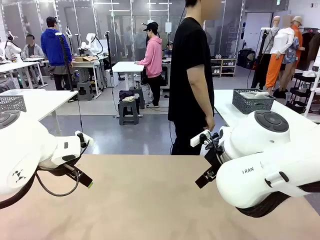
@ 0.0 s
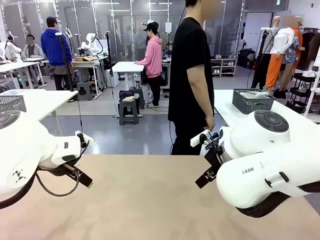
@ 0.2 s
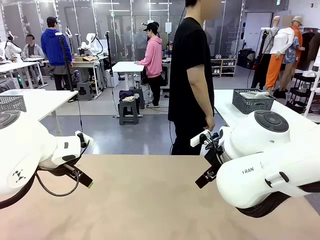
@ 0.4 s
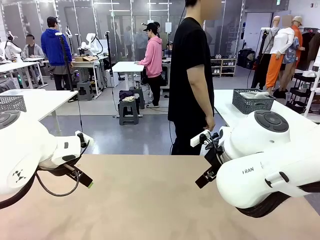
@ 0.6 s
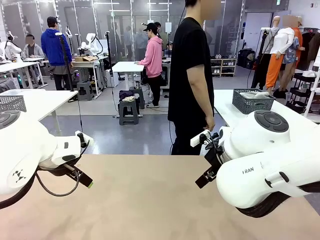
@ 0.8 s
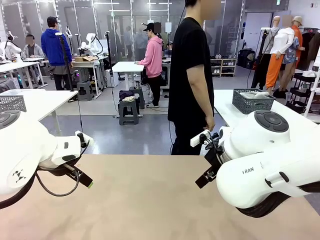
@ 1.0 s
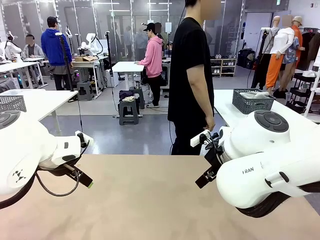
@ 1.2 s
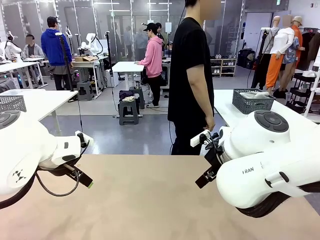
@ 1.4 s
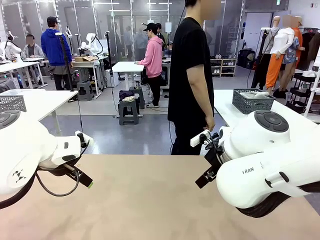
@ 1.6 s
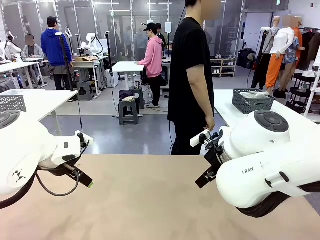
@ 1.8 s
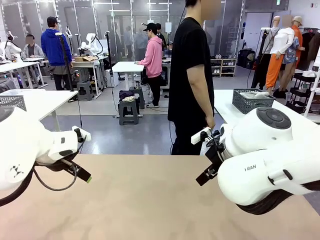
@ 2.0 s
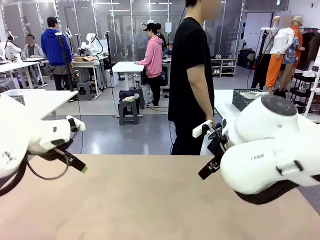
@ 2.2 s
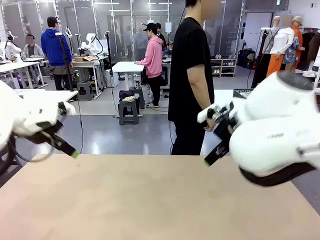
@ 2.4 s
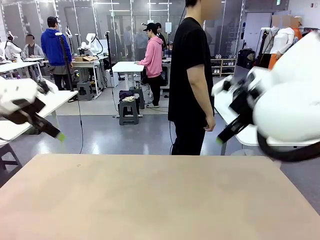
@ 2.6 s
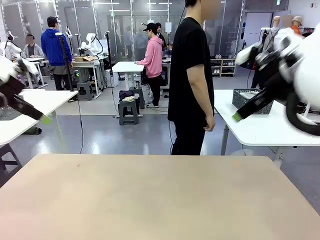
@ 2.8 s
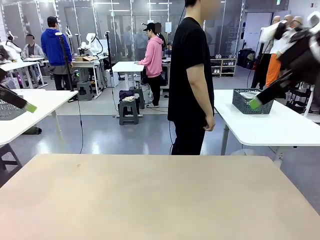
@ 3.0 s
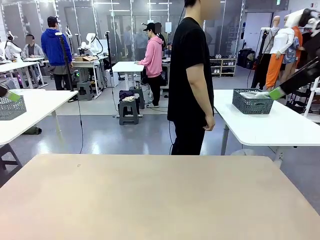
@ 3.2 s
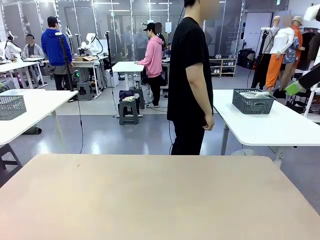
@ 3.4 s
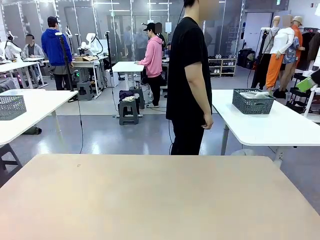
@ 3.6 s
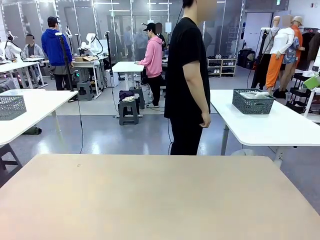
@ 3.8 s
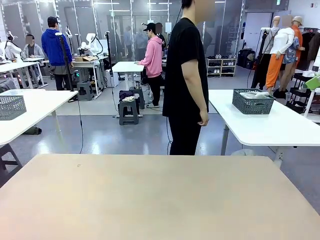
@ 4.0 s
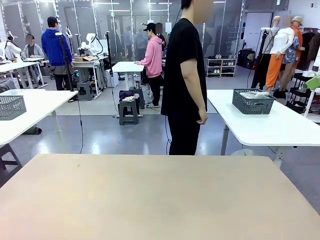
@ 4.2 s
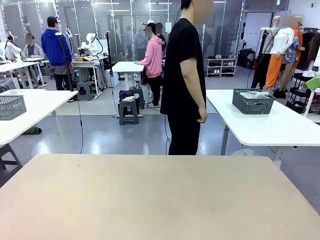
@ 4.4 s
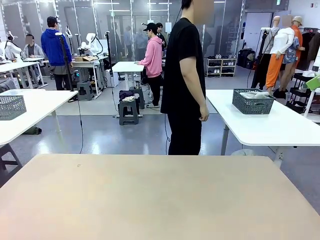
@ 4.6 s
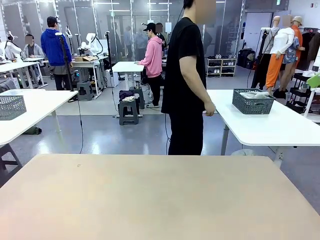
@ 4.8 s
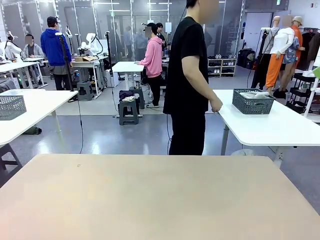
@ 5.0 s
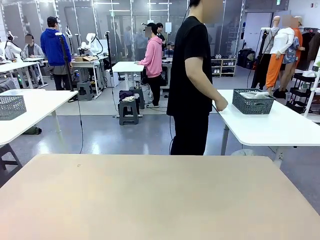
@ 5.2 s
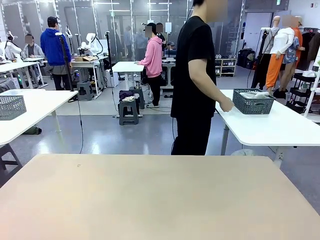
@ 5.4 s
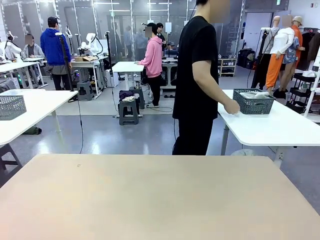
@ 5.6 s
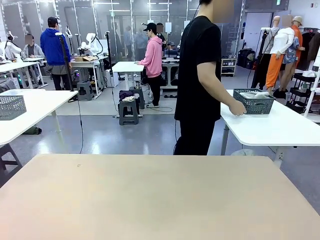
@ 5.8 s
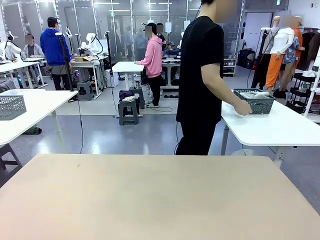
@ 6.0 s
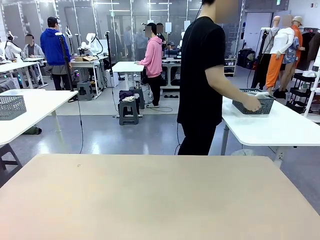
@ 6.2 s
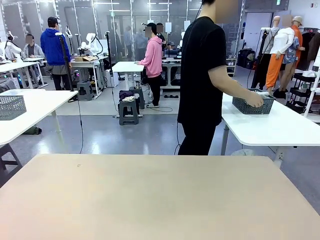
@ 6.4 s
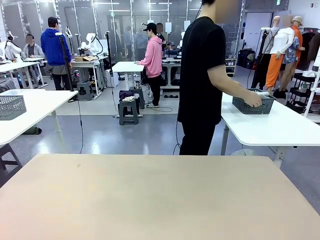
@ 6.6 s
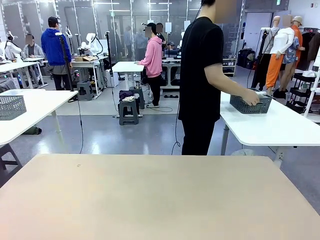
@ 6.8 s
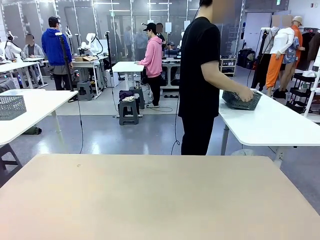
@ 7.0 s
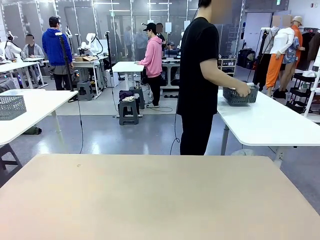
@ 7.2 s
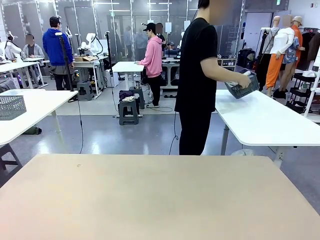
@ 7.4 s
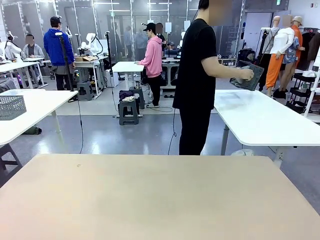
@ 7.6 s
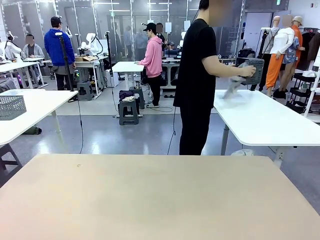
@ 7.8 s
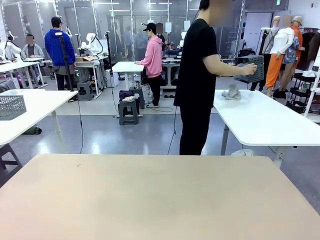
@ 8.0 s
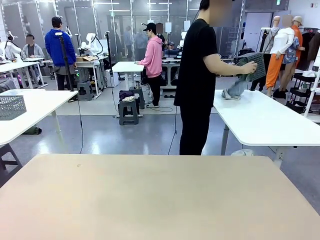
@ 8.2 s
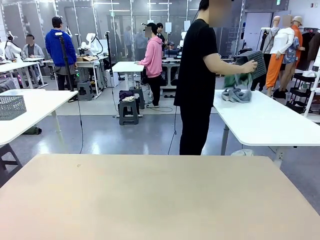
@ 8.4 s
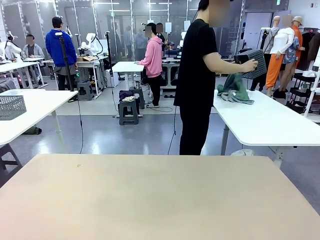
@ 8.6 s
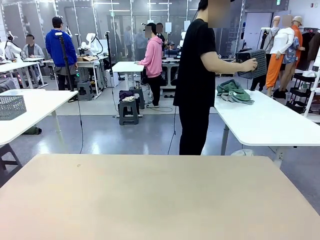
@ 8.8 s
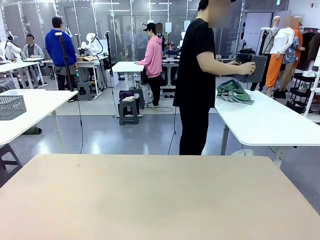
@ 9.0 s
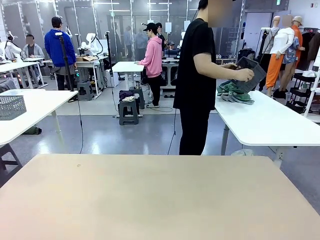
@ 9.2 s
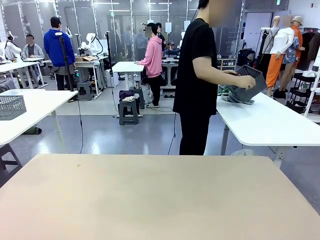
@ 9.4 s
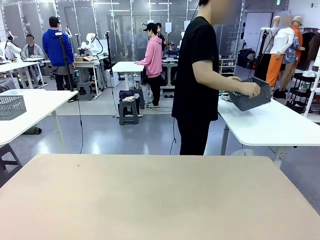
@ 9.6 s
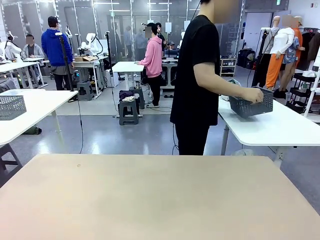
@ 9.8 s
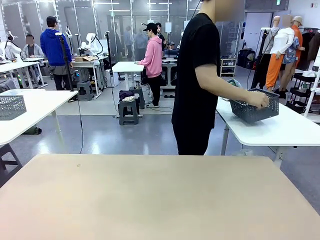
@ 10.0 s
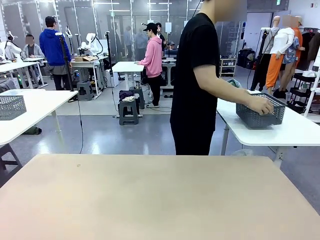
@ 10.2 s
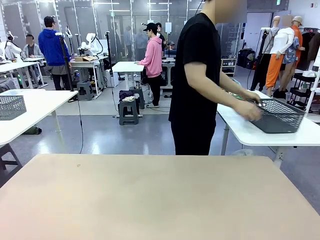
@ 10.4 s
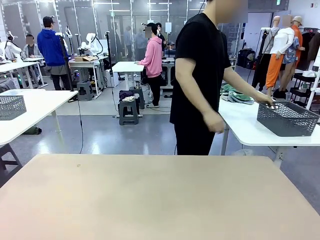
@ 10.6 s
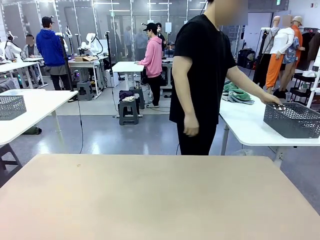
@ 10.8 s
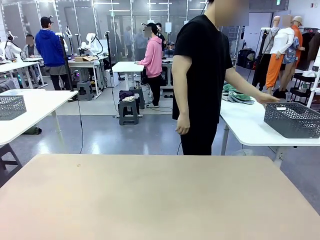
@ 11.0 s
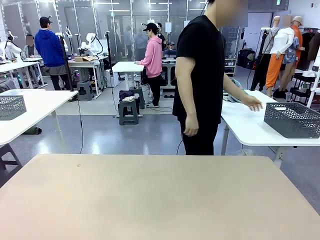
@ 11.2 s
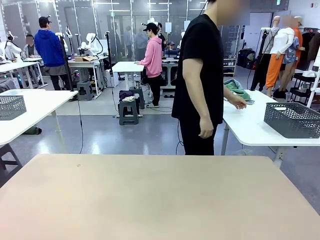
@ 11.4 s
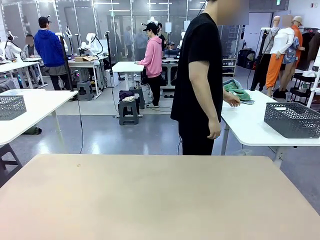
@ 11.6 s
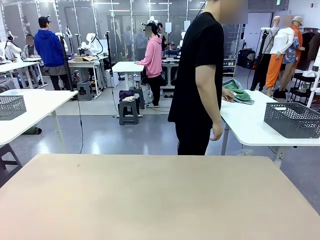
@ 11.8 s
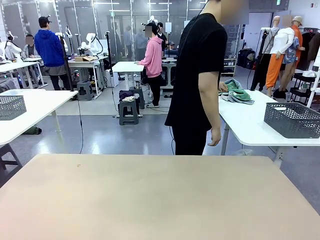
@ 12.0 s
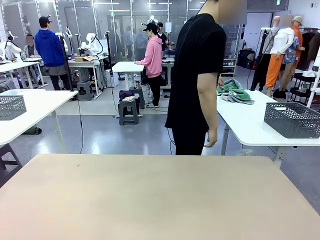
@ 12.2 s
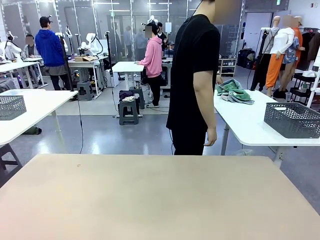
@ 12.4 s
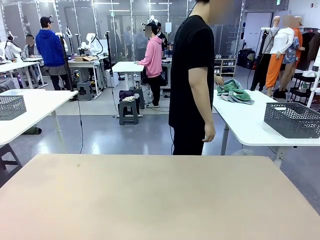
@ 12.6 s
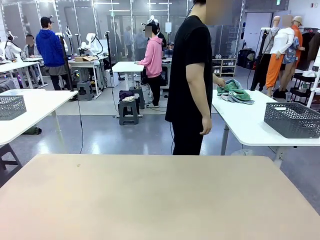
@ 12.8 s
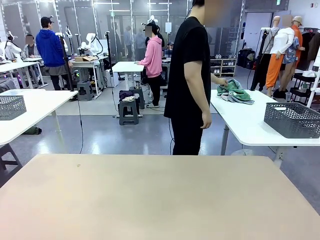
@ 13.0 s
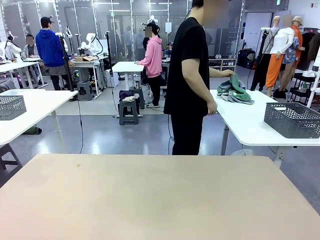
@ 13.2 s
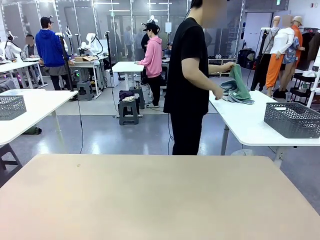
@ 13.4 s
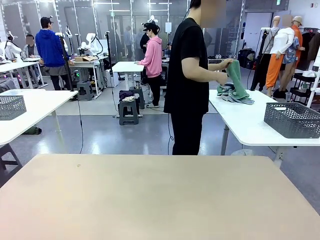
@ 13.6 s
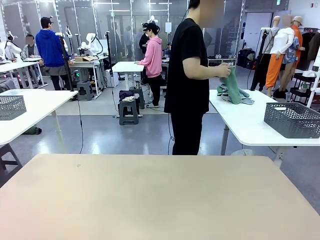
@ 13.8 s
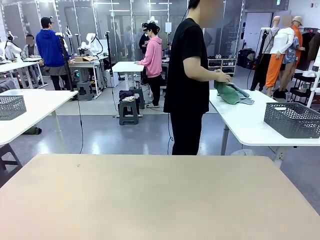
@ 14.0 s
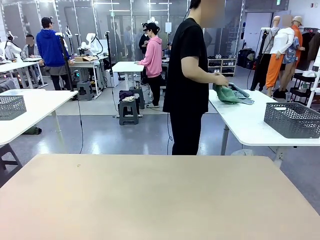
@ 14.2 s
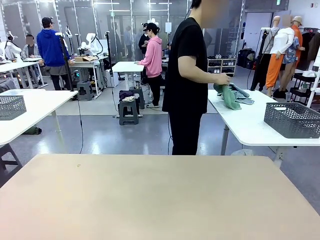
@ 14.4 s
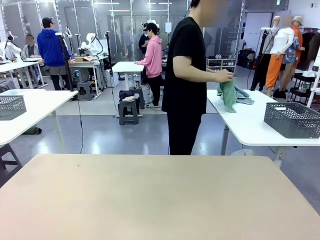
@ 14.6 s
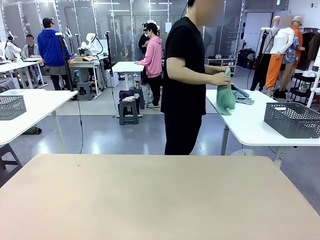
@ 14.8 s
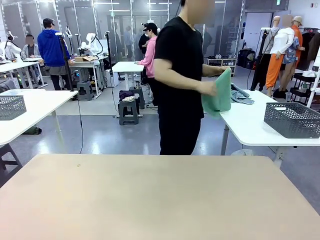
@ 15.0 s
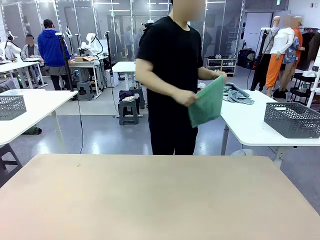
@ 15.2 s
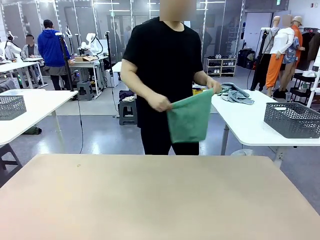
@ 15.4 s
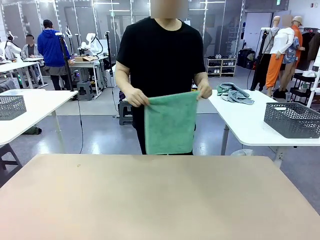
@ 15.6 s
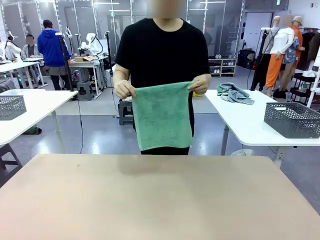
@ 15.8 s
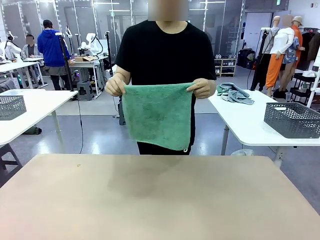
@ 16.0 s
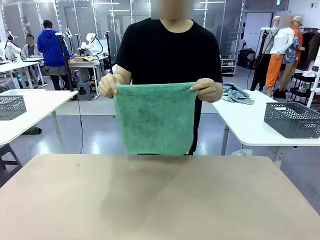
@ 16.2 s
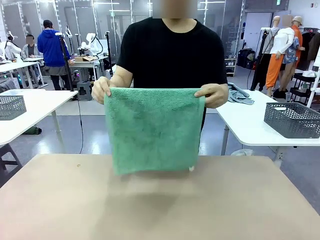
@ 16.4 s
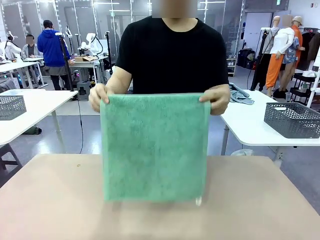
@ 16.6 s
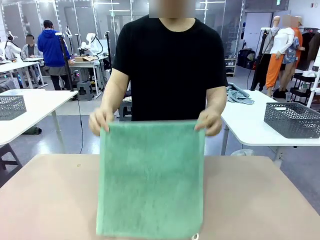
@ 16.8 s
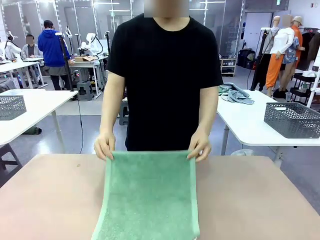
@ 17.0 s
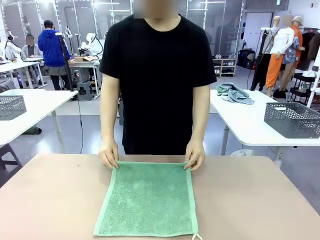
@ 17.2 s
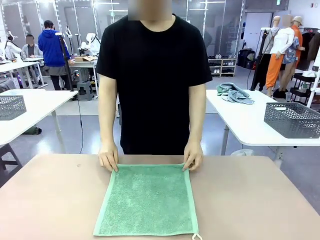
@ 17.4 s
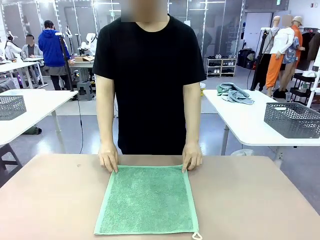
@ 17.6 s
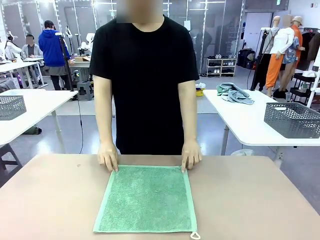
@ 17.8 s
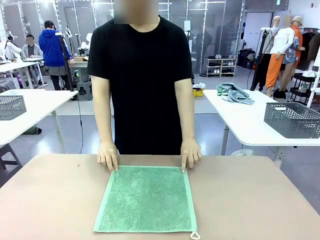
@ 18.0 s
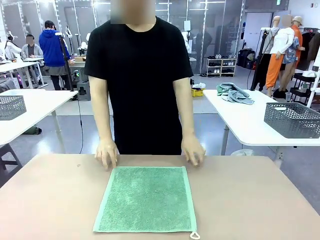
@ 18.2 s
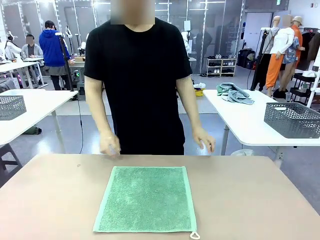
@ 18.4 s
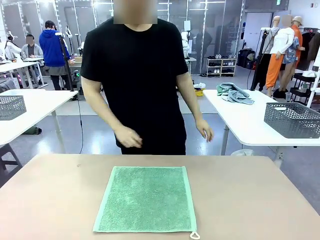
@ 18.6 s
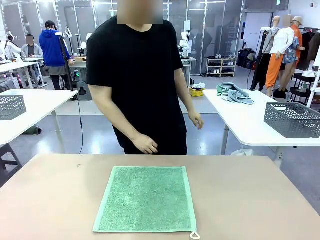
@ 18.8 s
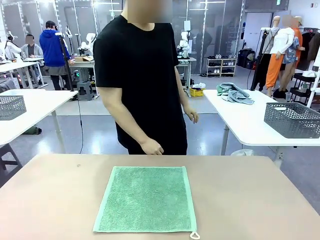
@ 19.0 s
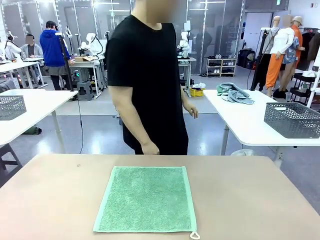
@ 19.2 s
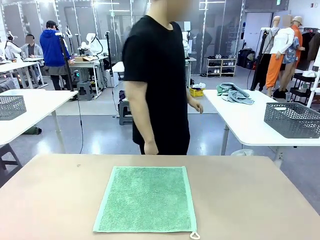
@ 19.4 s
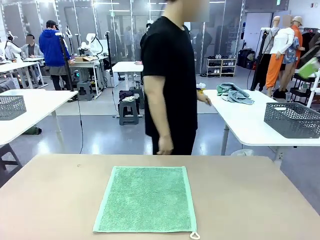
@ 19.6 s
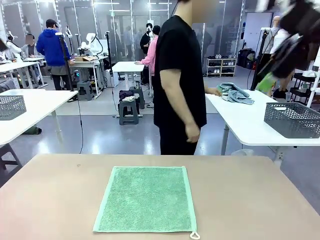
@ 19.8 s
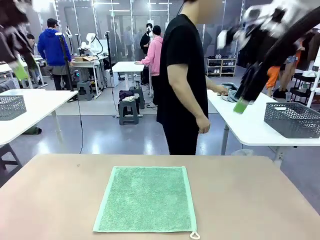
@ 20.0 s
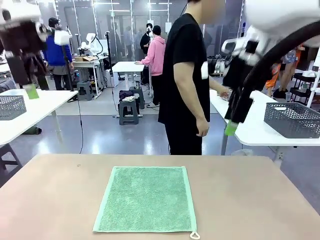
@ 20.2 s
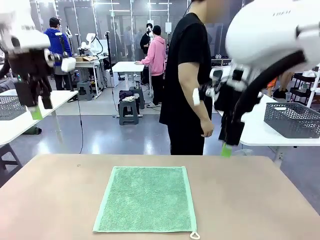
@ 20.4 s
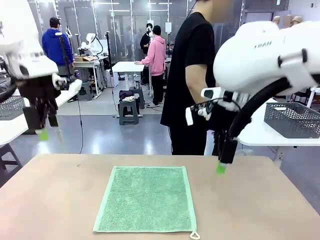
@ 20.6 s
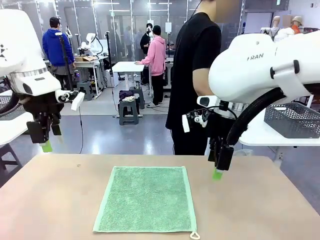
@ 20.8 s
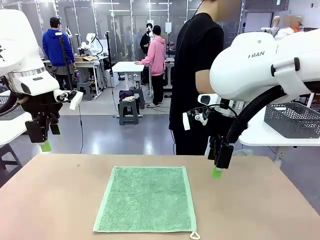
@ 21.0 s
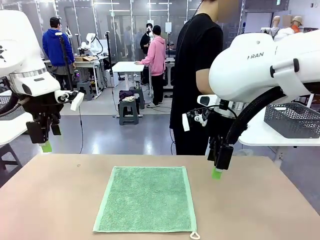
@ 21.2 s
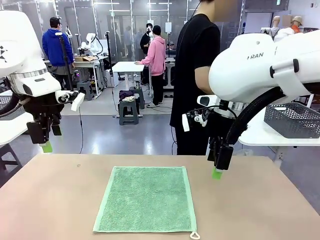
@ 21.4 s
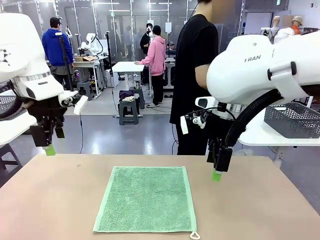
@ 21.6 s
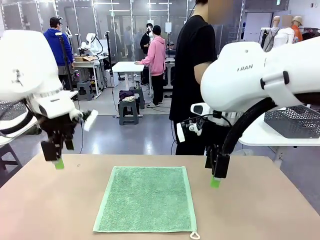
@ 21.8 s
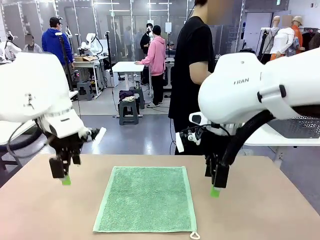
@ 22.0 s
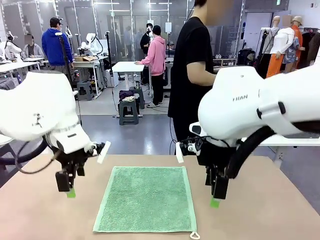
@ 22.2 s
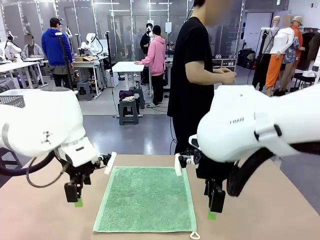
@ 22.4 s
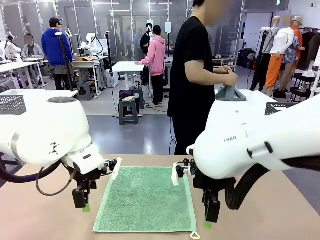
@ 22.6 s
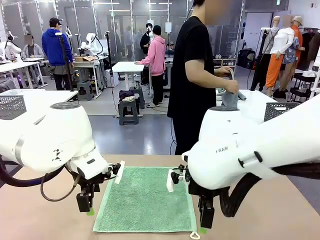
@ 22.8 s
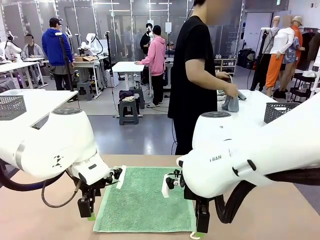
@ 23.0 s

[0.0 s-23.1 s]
Task: Fold the towels and place them in the basket.
Robot: When a person lays out a Towel with hook on the table, fold it in half twice.
Person: Pick up the basket, pour the towels onto the left side of the human table, and place the basket on the right side. Pick up one towel and spread it out at the center of the robot table.
